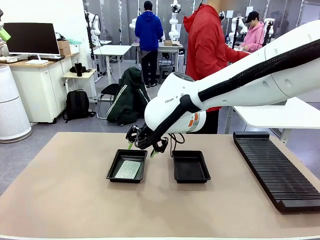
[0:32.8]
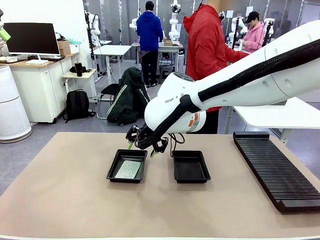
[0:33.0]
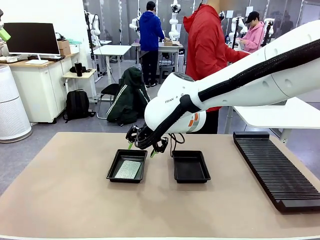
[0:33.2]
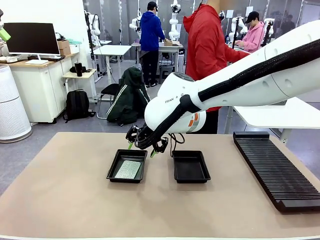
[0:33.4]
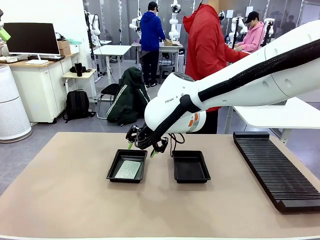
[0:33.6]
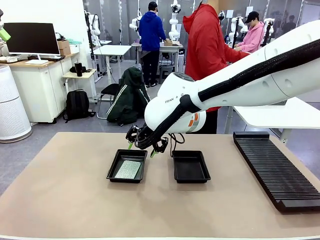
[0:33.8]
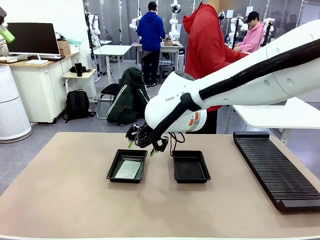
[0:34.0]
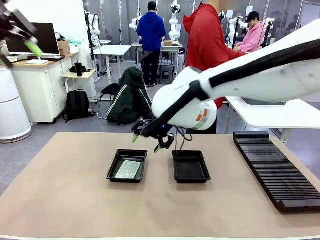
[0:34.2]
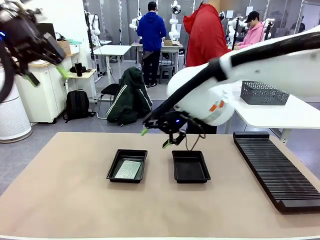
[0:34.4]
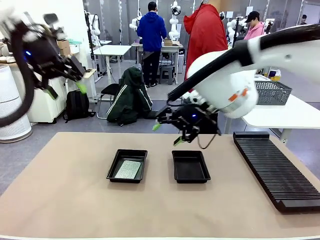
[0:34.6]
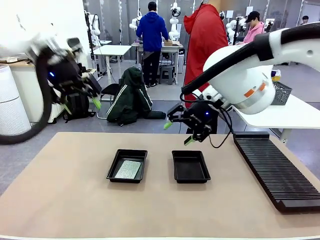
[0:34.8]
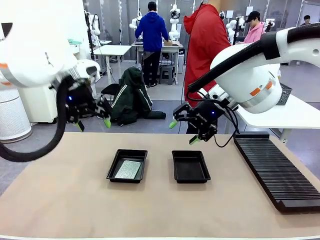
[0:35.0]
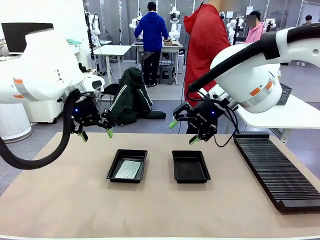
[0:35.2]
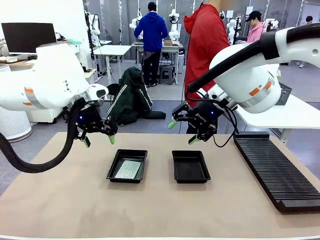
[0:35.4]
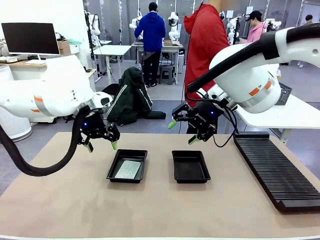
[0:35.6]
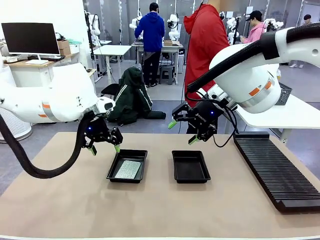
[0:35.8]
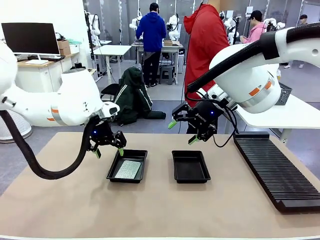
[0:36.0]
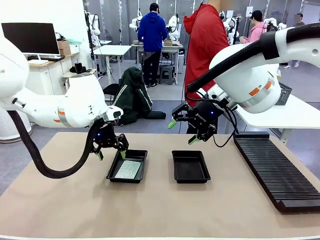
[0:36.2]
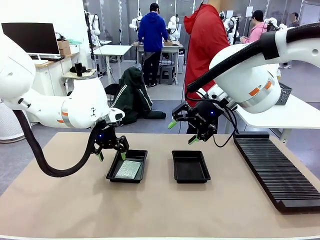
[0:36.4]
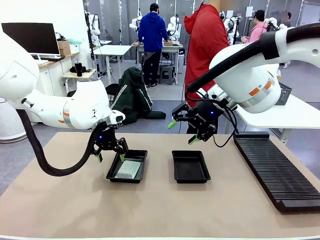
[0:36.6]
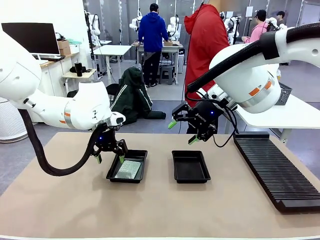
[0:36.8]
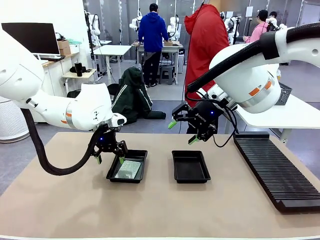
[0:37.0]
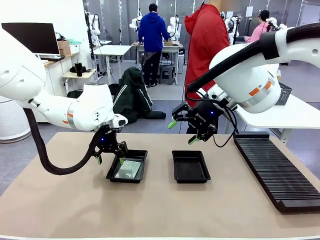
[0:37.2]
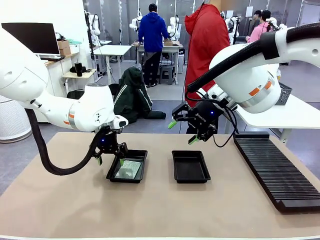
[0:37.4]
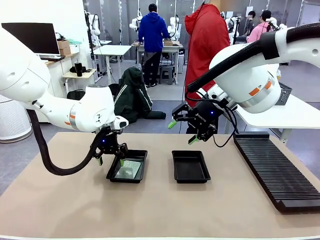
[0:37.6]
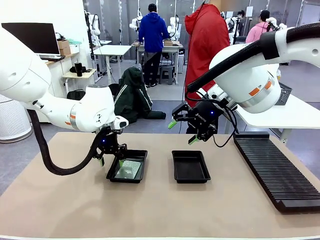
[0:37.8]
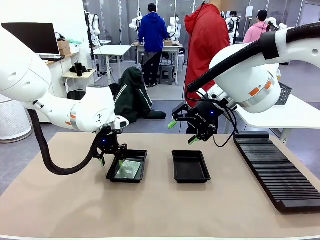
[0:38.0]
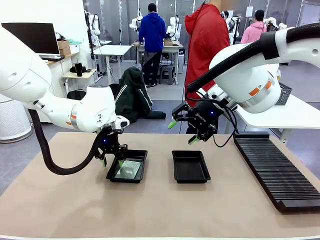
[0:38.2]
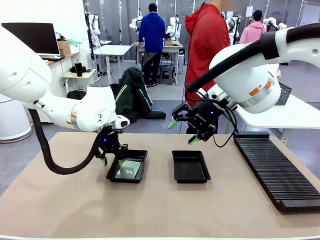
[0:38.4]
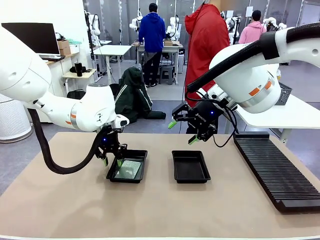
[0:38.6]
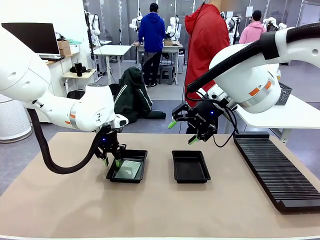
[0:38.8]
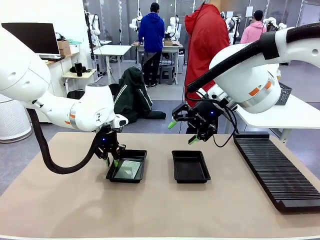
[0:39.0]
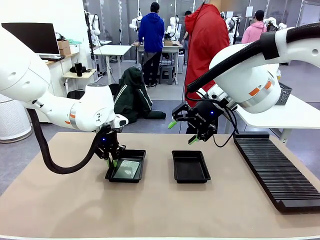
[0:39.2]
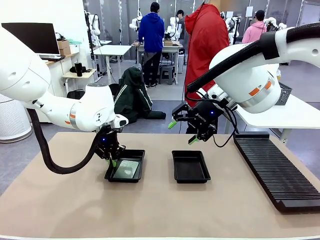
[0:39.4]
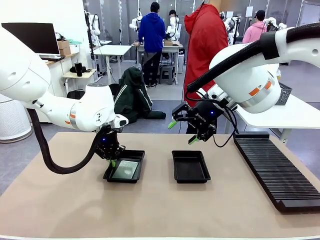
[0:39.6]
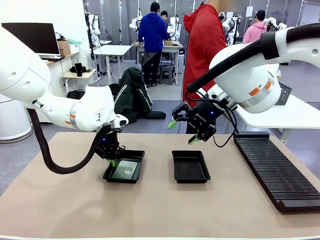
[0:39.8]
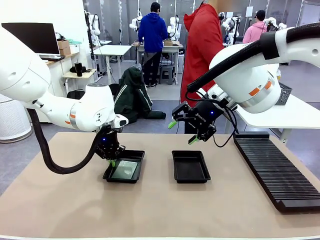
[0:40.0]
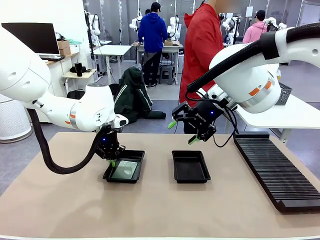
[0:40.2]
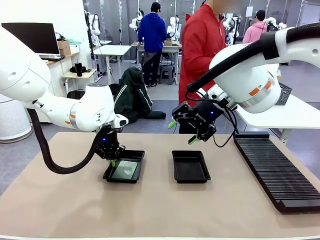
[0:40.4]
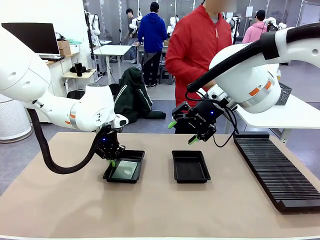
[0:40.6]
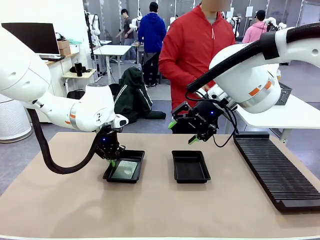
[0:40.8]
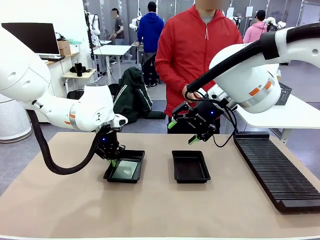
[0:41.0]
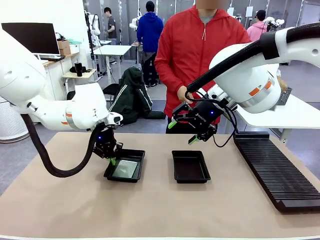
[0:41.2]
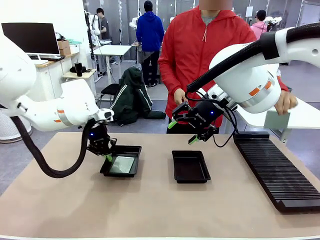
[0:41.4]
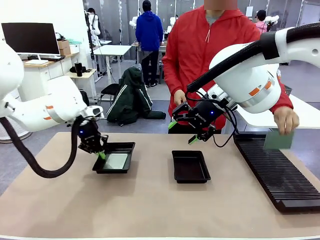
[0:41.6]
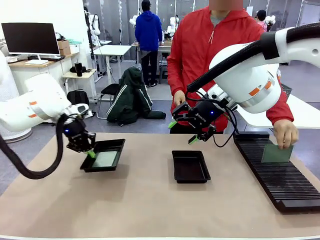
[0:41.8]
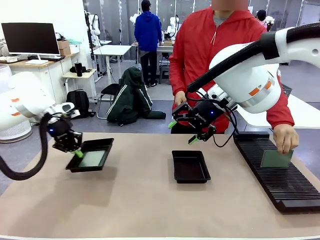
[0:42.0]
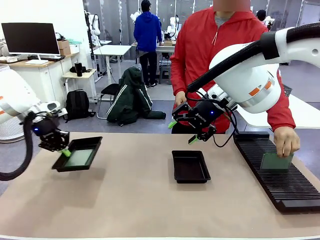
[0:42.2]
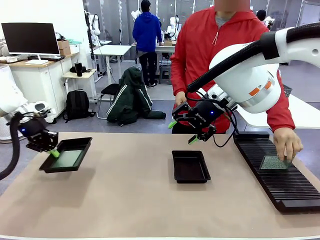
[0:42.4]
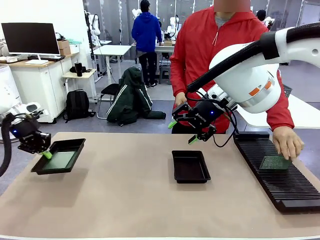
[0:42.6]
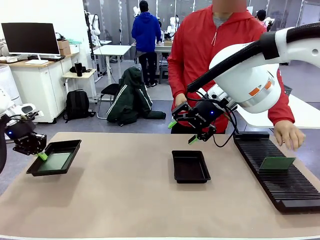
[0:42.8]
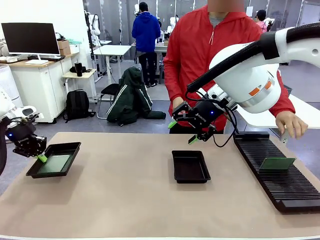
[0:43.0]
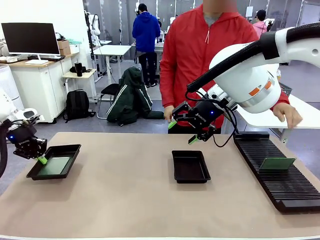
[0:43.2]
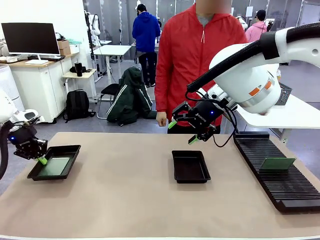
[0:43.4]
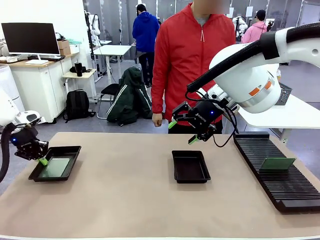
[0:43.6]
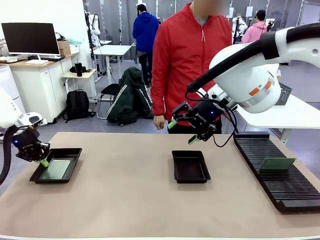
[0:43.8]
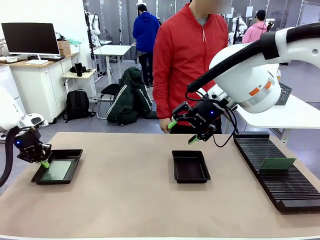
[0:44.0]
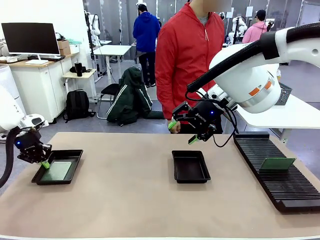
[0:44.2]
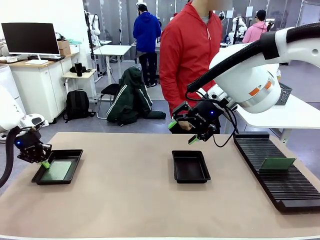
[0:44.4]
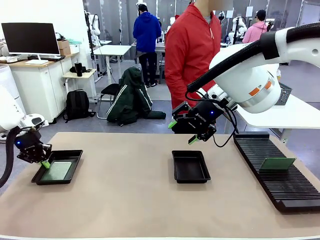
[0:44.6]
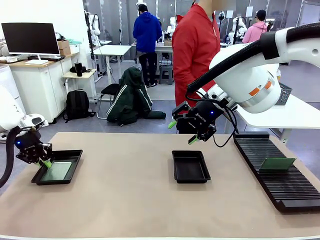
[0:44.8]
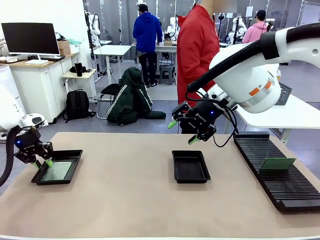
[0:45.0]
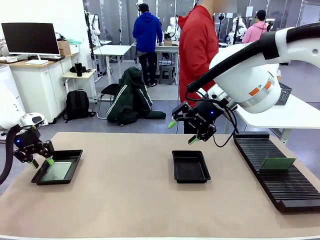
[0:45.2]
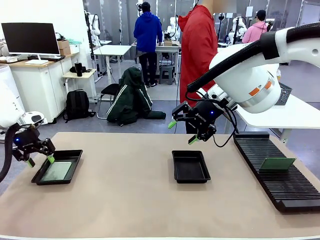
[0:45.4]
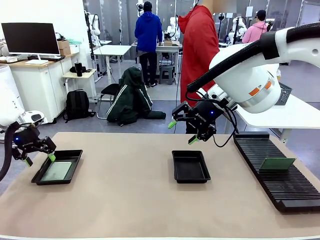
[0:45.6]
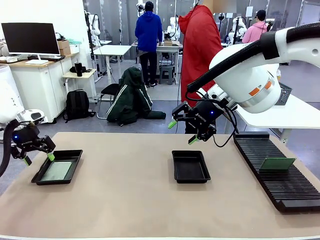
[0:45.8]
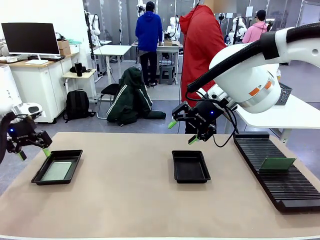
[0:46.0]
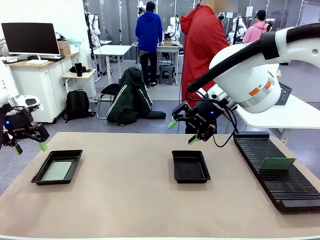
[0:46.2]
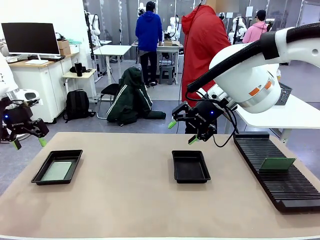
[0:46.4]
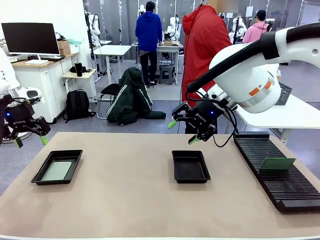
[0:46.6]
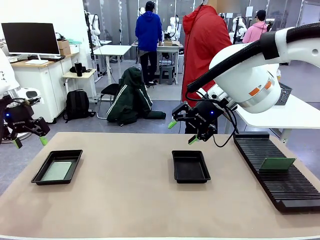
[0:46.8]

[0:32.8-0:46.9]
Task: Inspect and transfer BCBs to ESD trays.
Robot: Pick up the ESD tray and place it on the left side of the table.

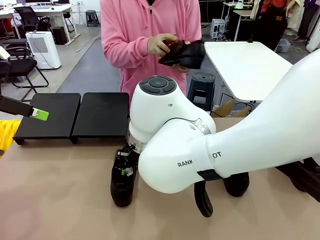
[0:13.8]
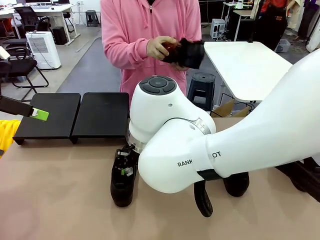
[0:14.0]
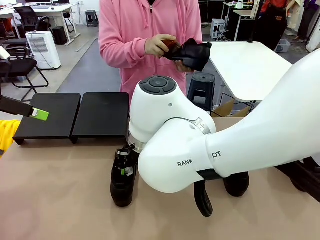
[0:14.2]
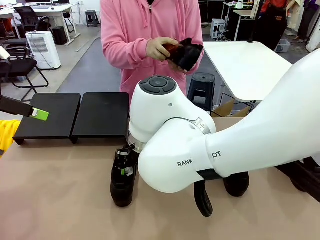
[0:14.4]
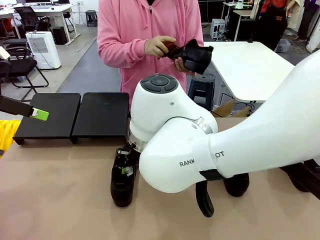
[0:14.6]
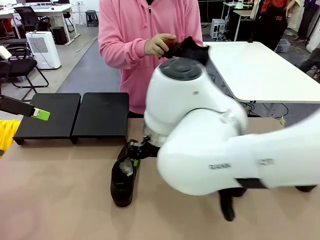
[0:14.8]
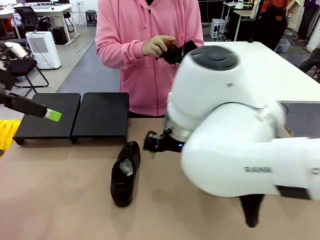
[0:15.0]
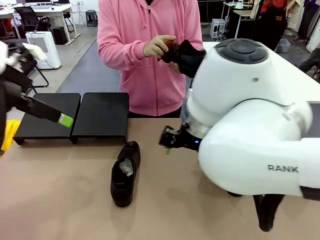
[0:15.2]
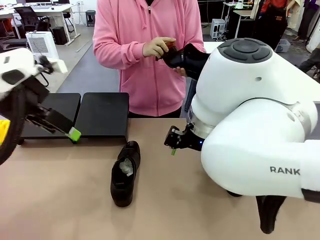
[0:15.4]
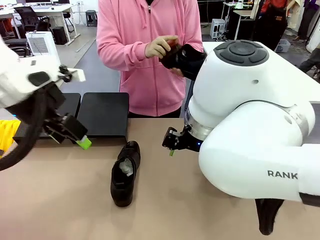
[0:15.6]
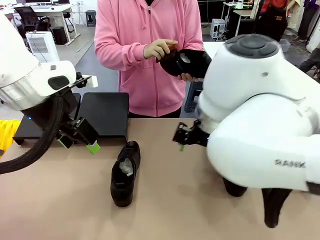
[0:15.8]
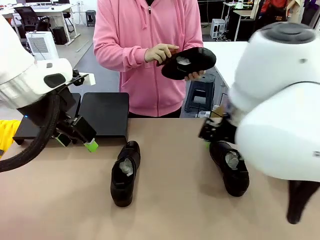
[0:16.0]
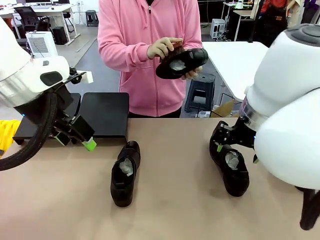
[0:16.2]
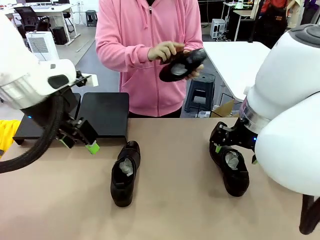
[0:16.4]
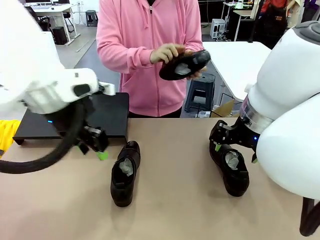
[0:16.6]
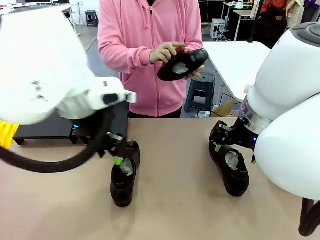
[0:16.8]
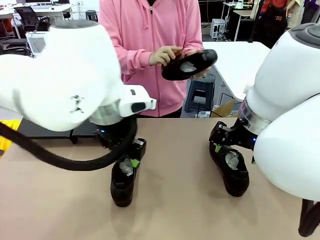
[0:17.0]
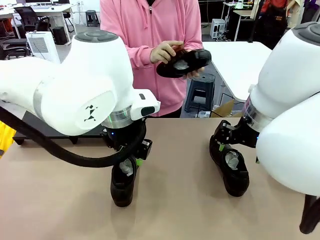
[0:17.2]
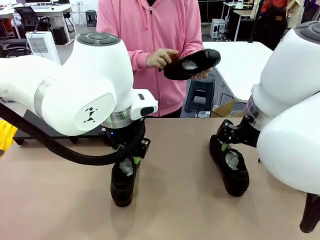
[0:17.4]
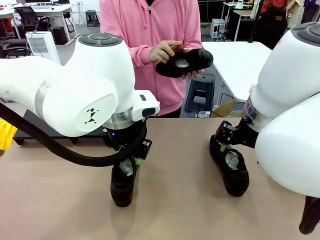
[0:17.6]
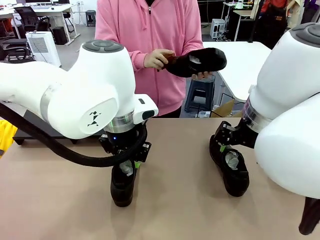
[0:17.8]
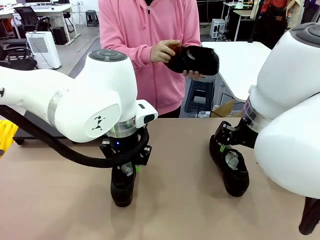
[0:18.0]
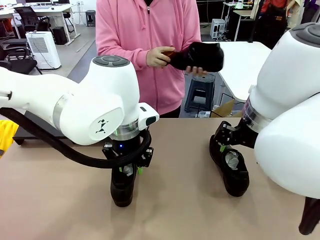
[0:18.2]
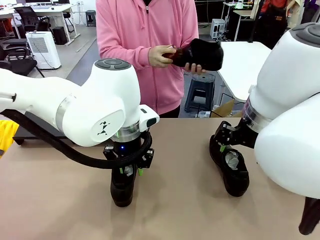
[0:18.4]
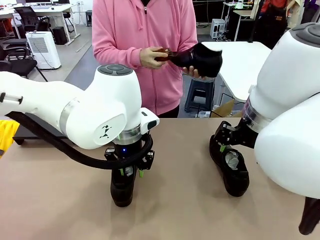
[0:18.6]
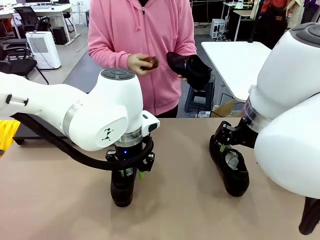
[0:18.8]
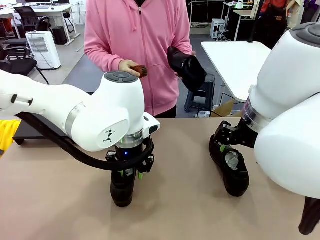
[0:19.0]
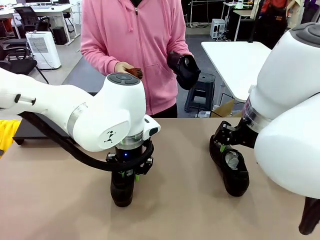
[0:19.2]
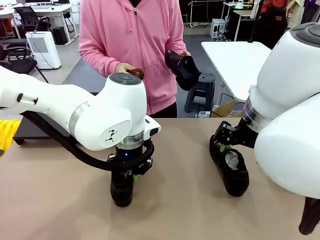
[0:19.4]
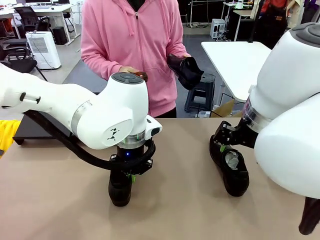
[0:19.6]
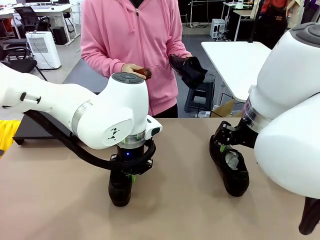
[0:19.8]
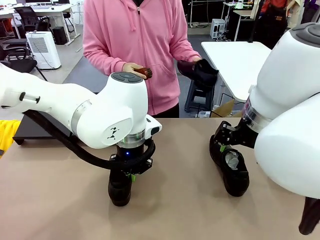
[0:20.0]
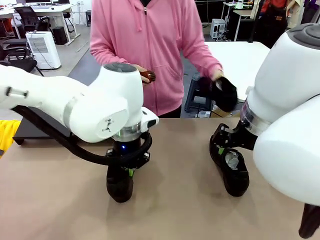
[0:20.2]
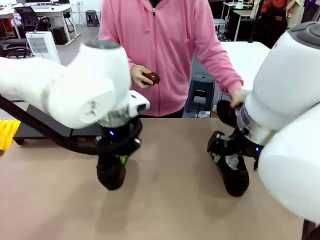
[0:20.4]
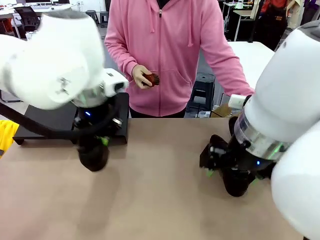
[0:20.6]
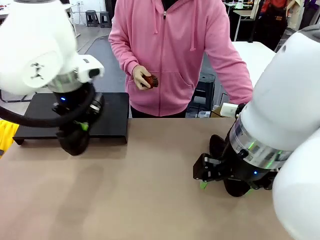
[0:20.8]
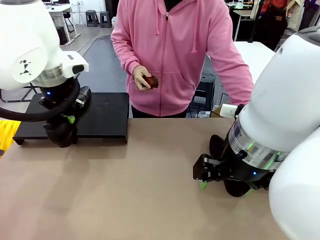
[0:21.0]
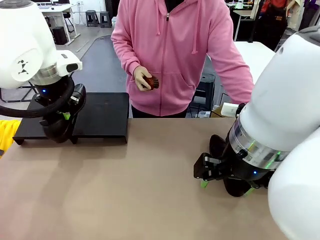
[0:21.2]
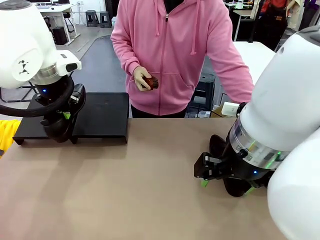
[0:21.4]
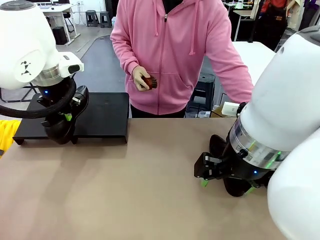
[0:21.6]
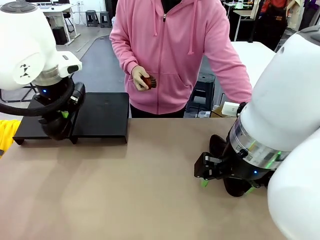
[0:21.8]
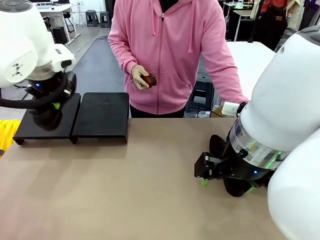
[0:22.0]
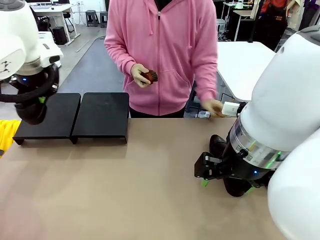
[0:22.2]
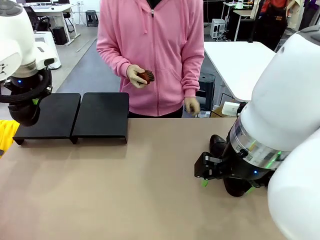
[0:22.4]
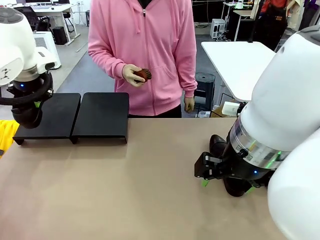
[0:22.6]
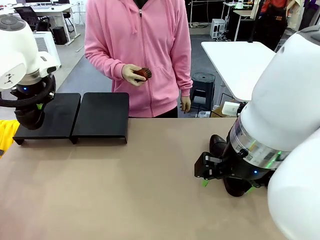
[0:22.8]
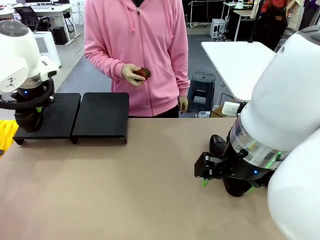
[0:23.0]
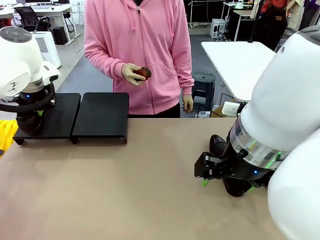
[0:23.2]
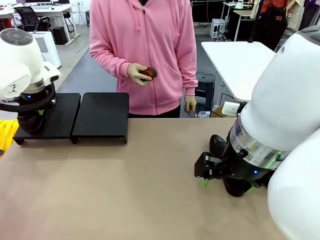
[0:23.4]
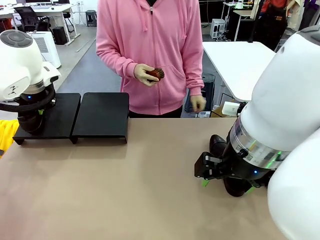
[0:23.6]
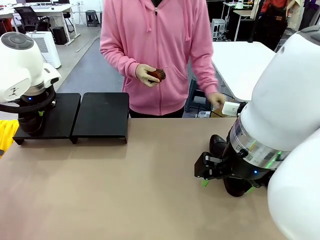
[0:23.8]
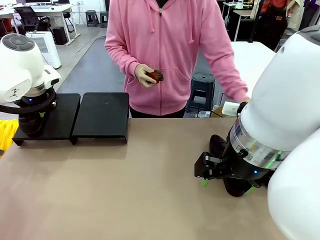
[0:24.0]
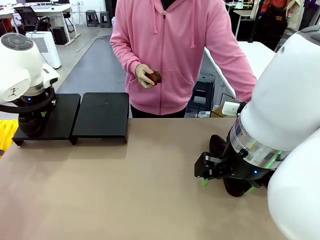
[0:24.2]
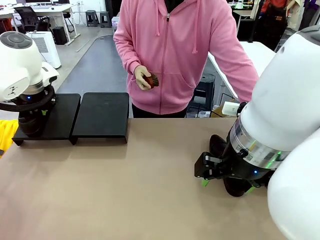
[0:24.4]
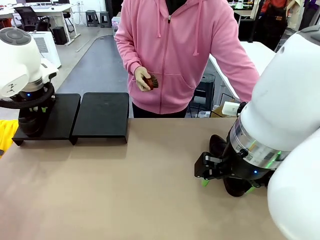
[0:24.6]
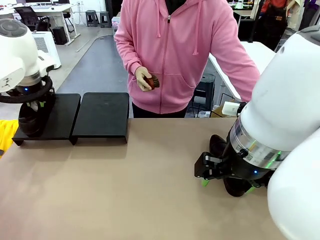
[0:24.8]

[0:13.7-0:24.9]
Task: Organize the shoes by placing them on the stand.
Robot: Place the Shoe from the middle of the table onto the Shoes Stand.
Person: Place the Shoe on left side of the Robot's table. Pick one Shoe on Robot's table.
